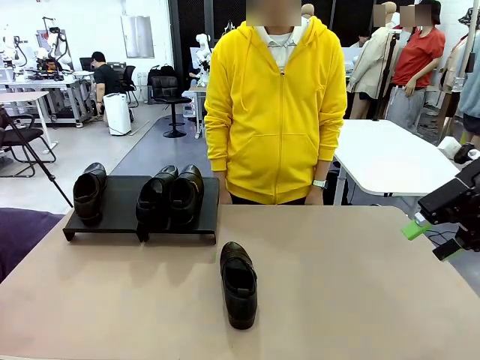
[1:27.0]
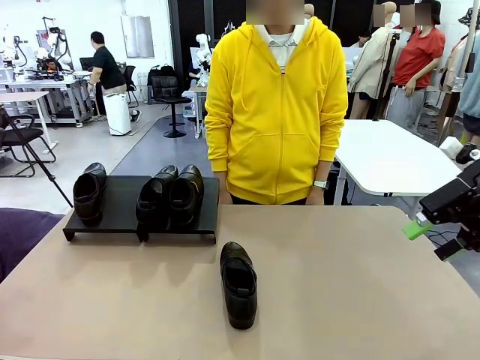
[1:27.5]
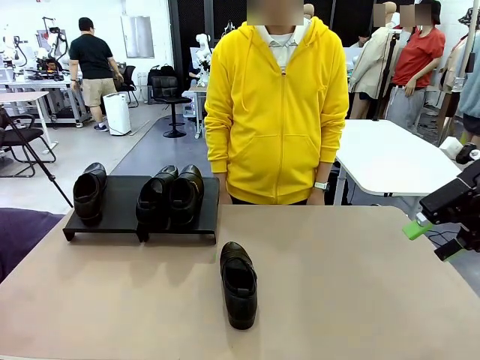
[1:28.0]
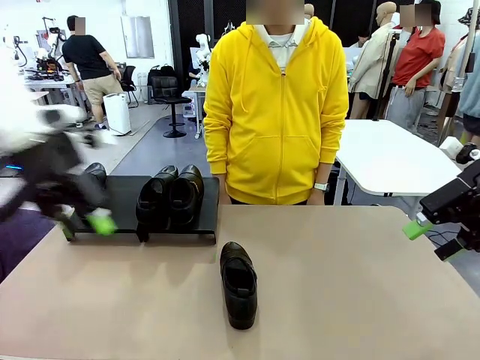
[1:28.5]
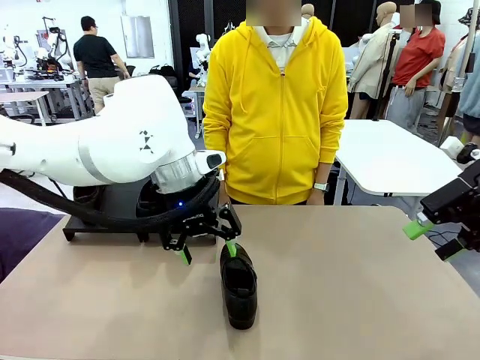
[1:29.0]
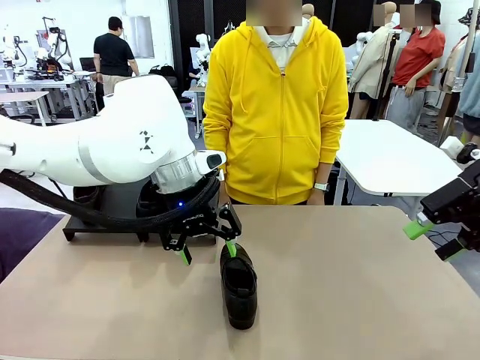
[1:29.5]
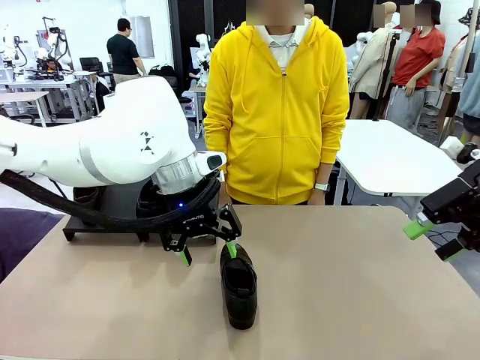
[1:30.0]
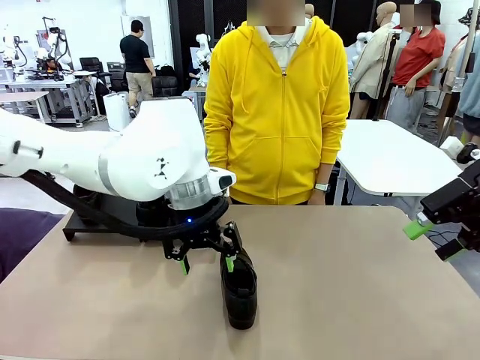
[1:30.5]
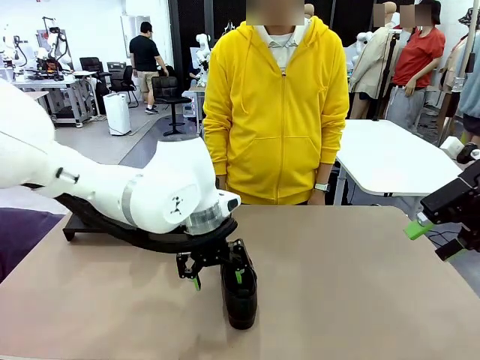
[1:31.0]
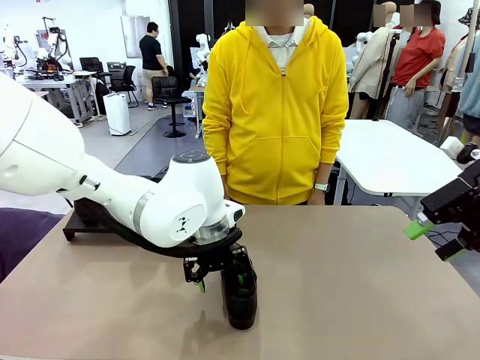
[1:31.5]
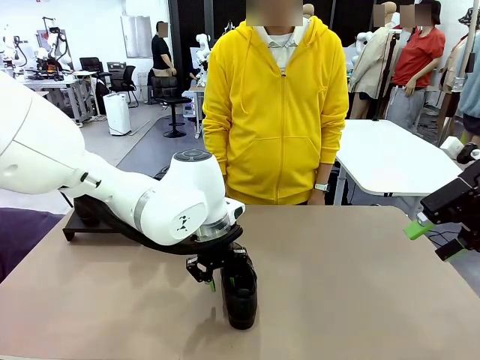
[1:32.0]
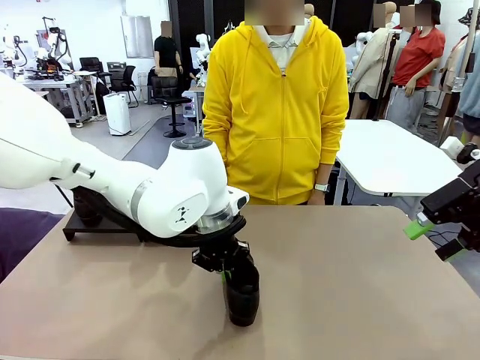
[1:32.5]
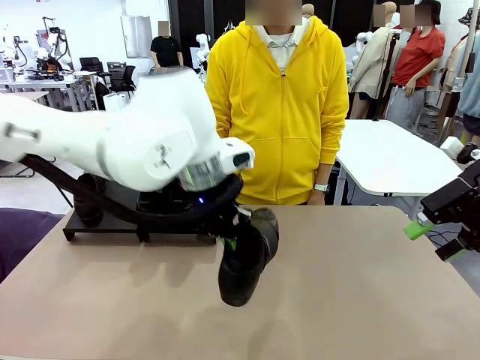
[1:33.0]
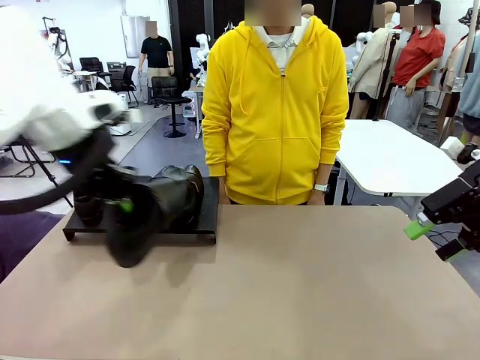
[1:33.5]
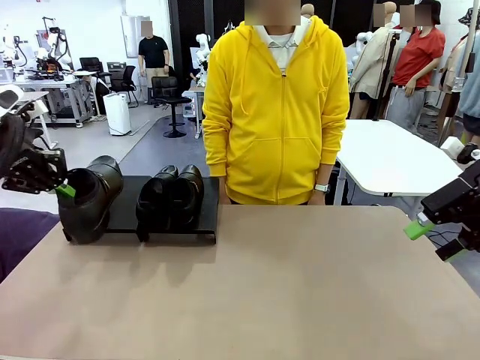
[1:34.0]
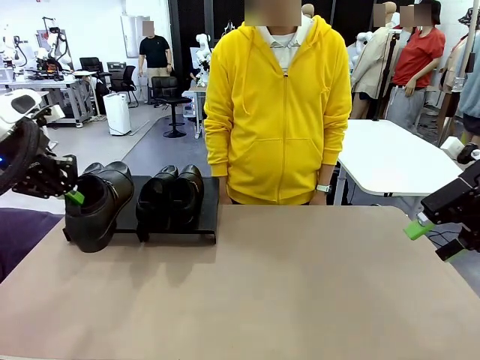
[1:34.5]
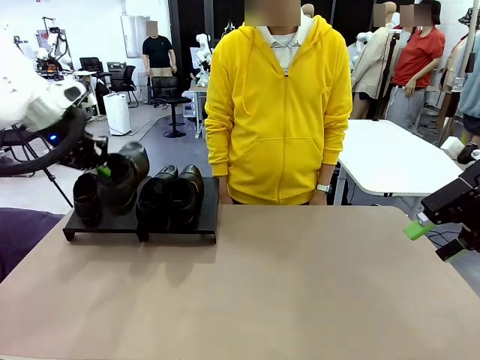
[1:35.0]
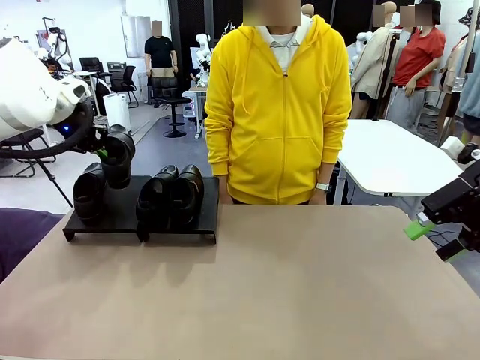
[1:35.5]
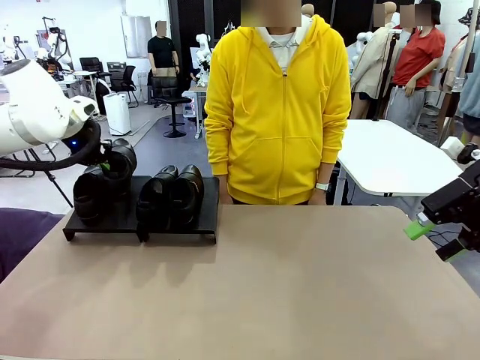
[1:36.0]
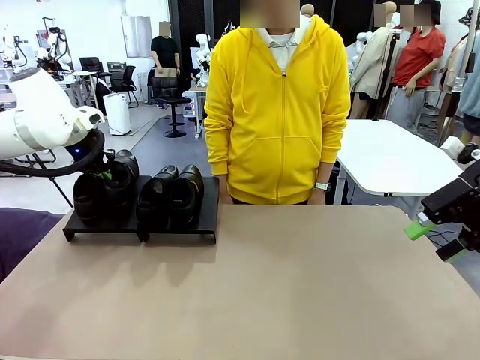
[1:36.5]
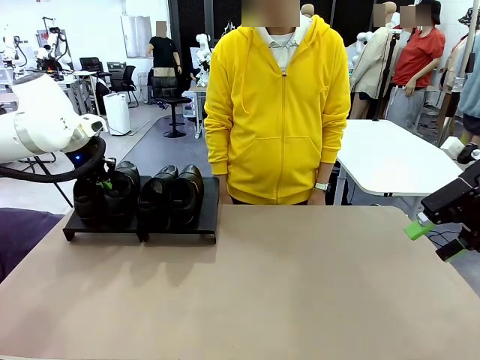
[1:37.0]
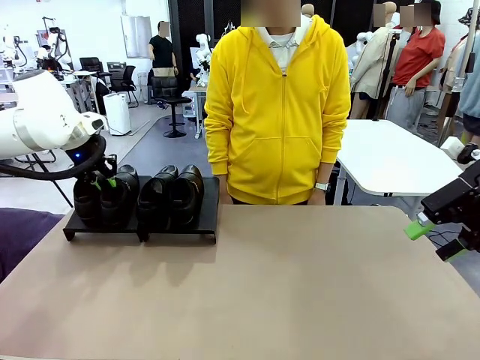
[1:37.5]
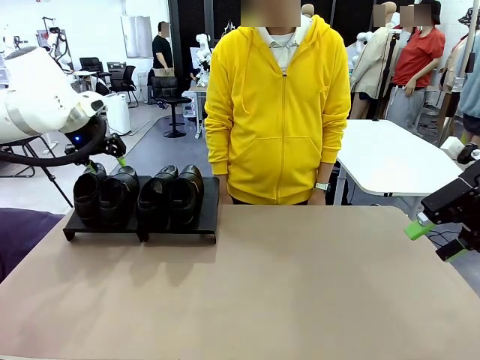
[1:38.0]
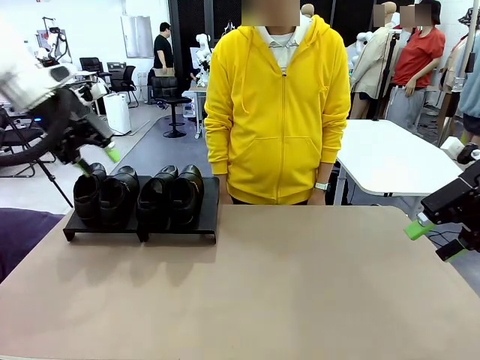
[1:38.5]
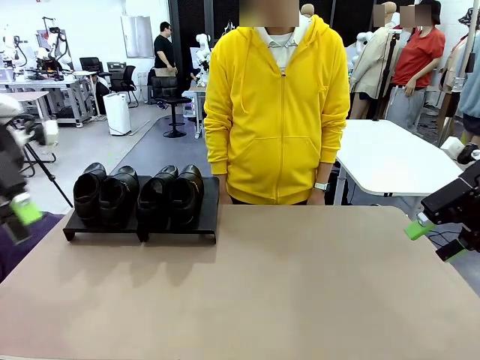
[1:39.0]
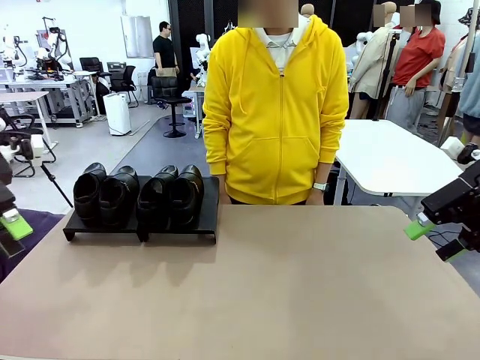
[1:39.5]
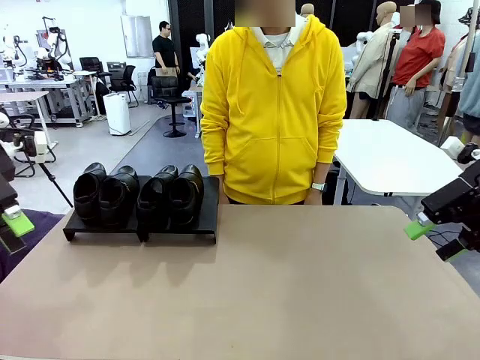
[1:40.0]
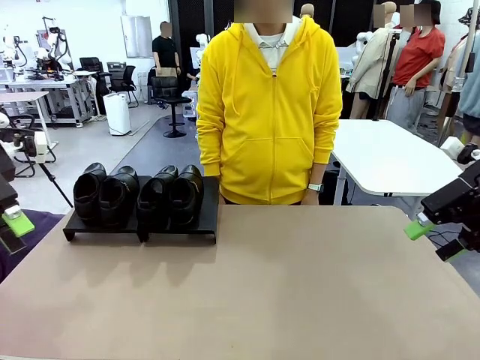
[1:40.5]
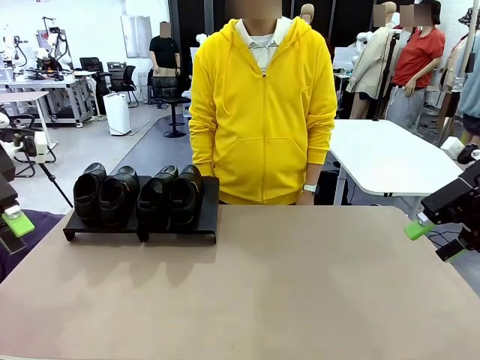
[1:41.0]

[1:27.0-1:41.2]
Task: Organize the shoes by placing them on the stand.
Robot: Place the Shoe from the middle of the table onto the Shoes Stand.

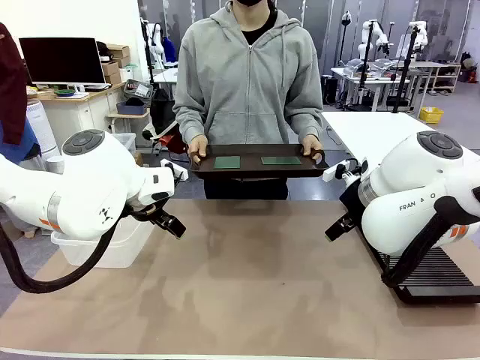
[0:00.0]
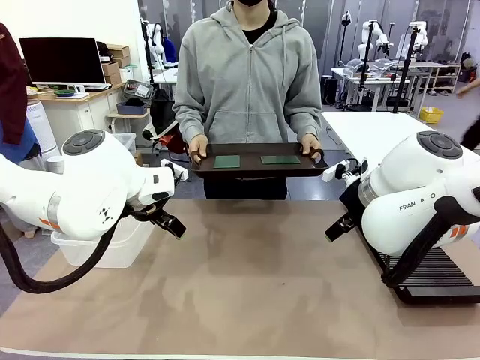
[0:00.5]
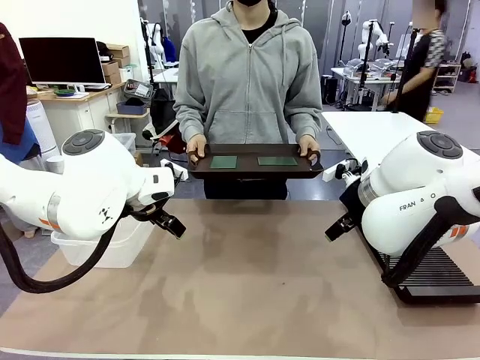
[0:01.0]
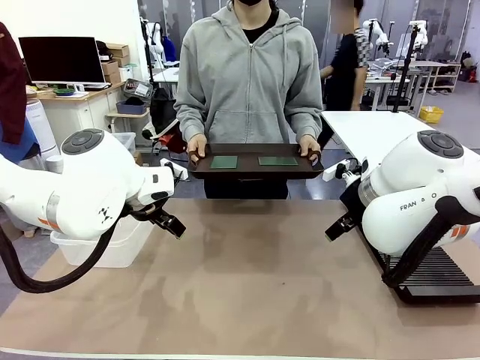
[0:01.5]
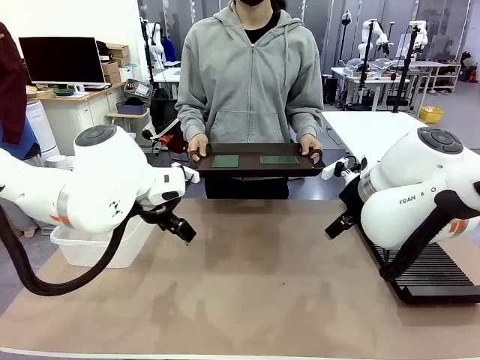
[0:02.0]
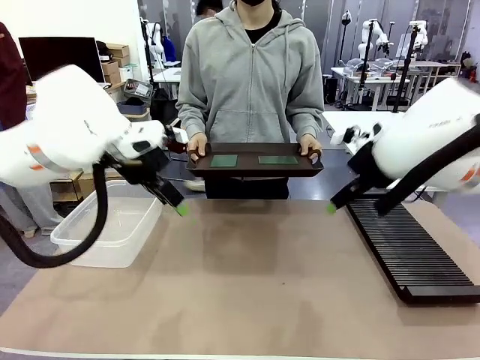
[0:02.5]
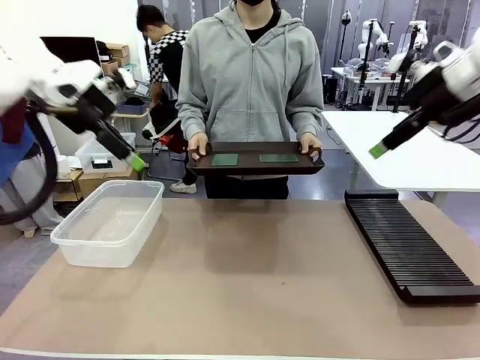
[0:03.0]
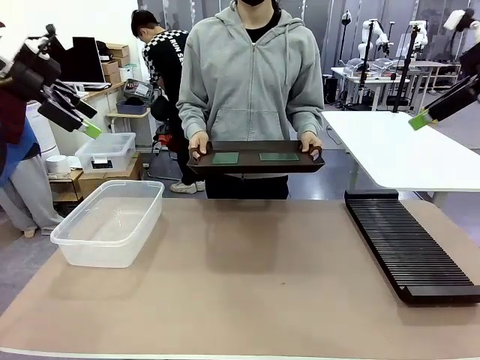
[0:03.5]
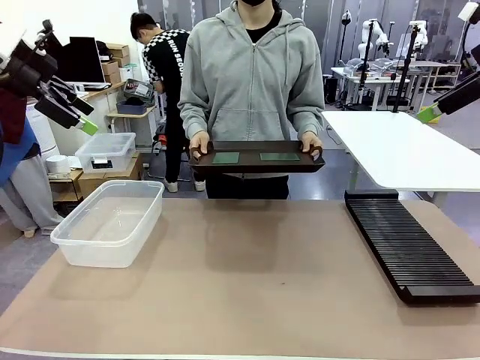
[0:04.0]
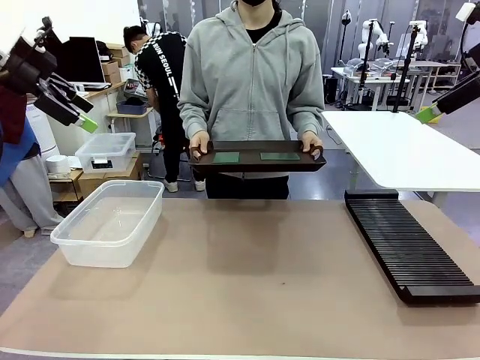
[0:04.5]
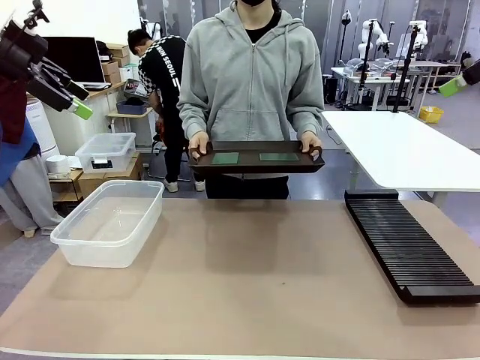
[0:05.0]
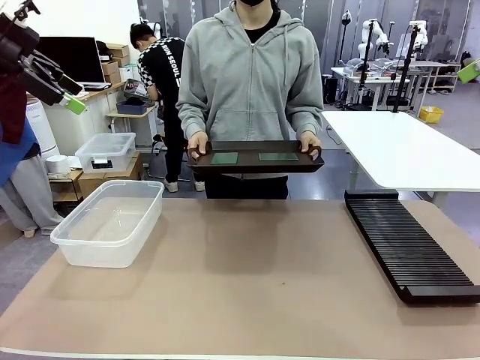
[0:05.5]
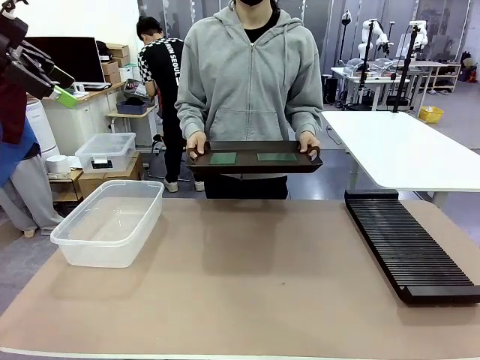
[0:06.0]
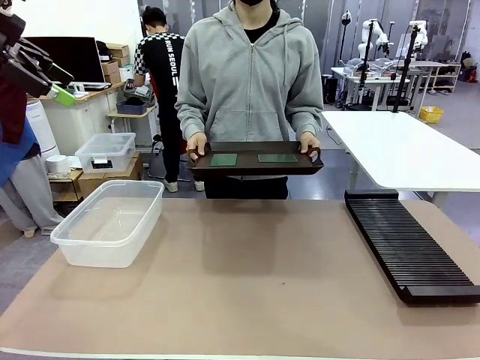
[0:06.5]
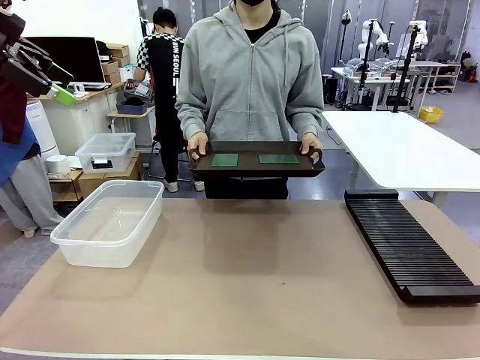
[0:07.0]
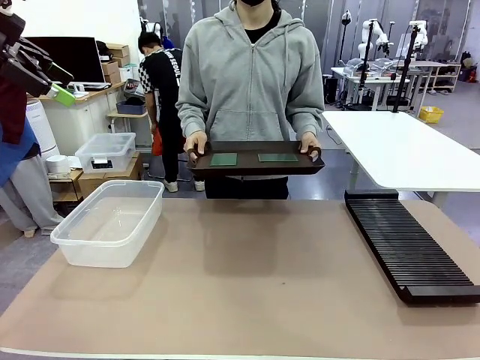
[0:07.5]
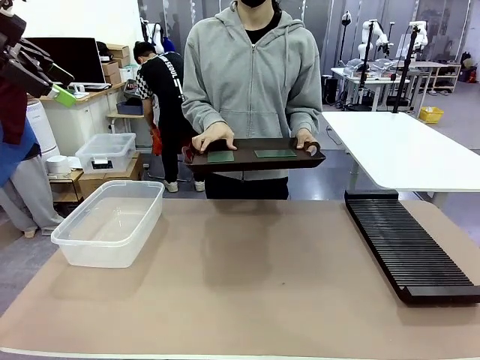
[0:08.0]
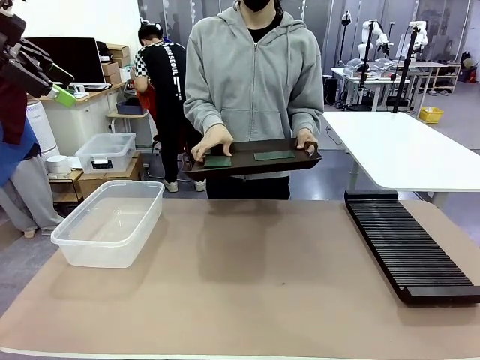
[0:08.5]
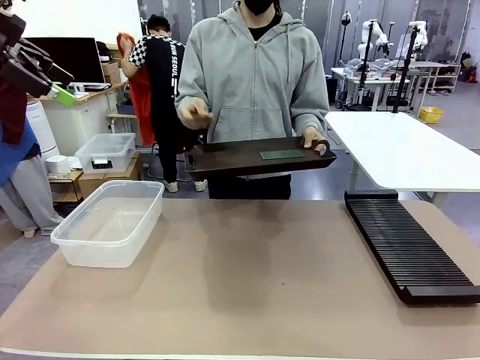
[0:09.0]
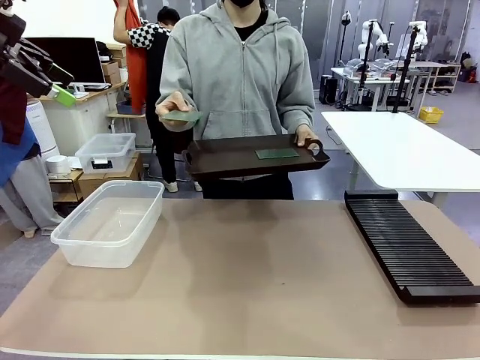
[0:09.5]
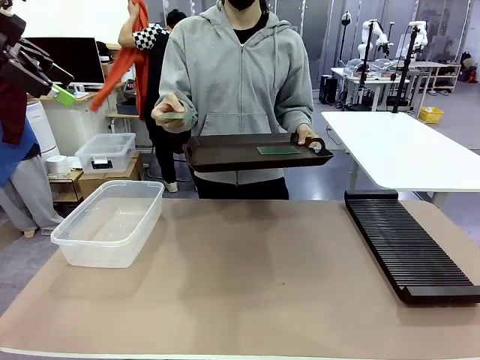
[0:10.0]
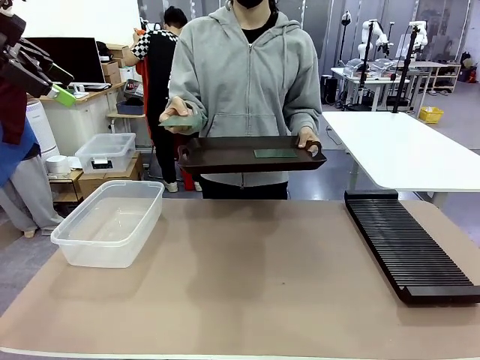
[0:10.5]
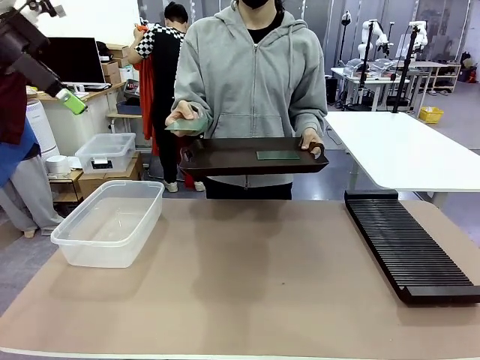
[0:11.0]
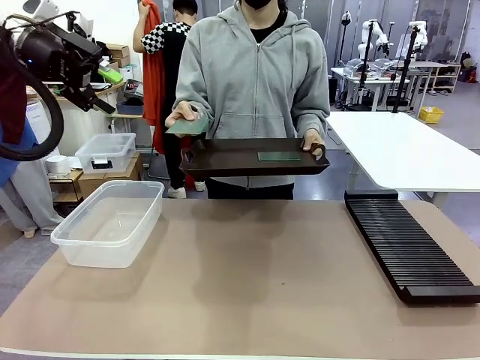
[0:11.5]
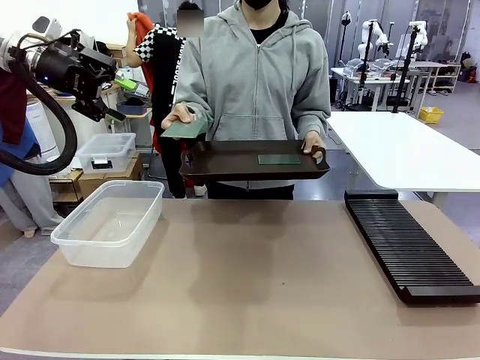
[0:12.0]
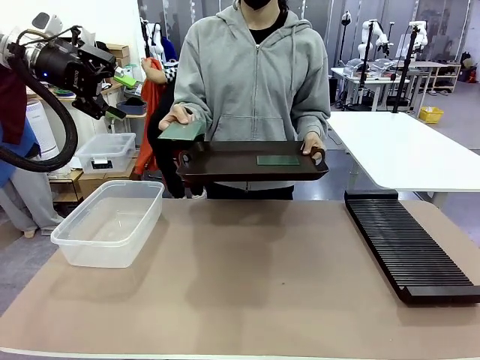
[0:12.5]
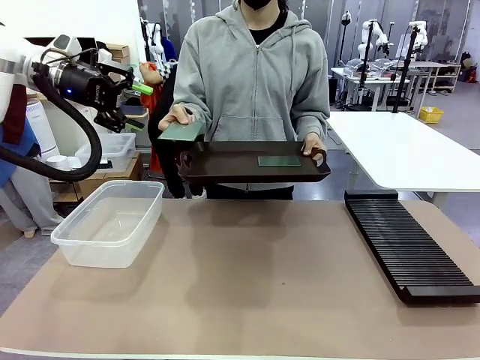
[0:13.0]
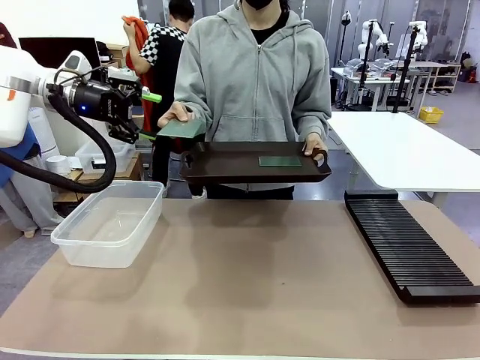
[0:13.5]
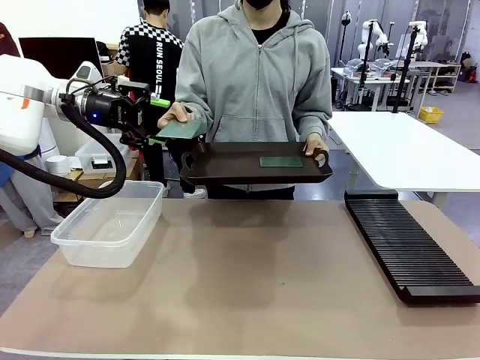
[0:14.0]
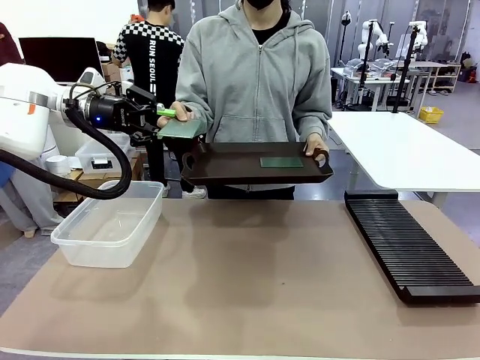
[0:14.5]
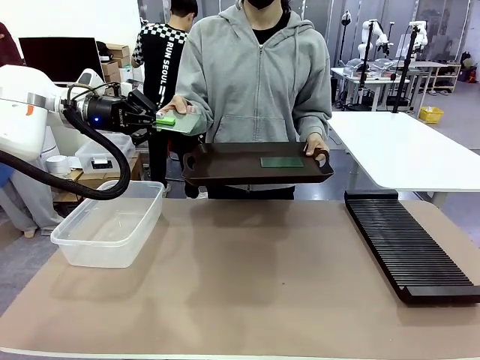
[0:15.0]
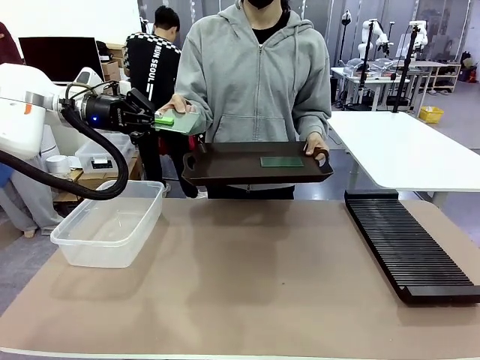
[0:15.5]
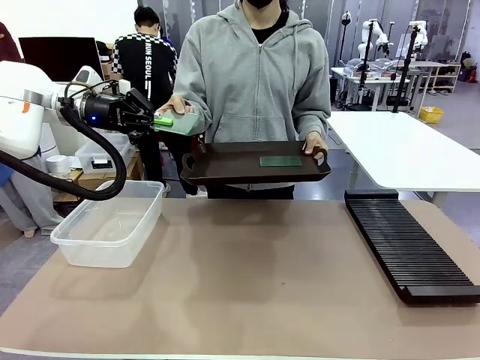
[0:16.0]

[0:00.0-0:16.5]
Task: Sort PCBs into racks and boxes based on the side picked up.
Robot: Pick up the Blank PCB handed by the Human.
Person: Pick one PCB from the tray and present it to the robot. Release the PCB being held.
